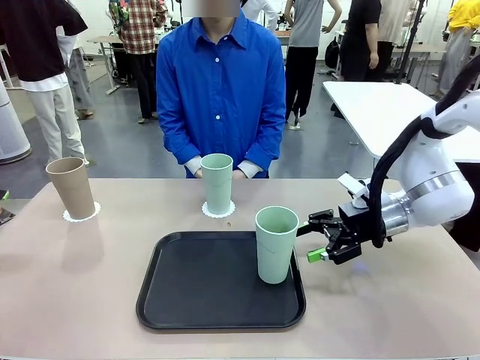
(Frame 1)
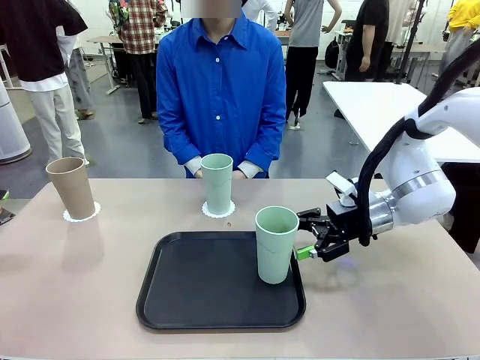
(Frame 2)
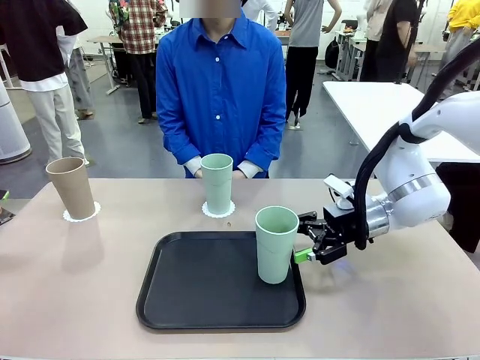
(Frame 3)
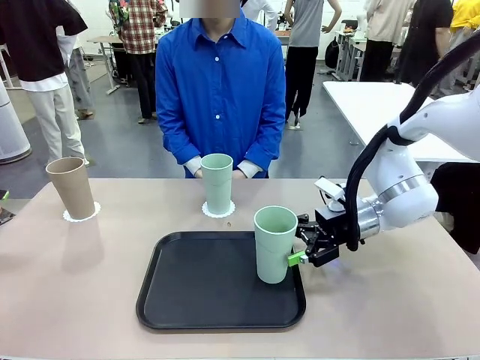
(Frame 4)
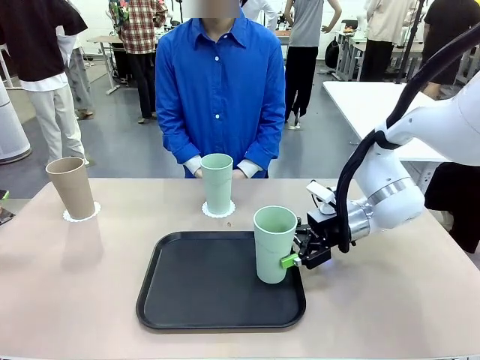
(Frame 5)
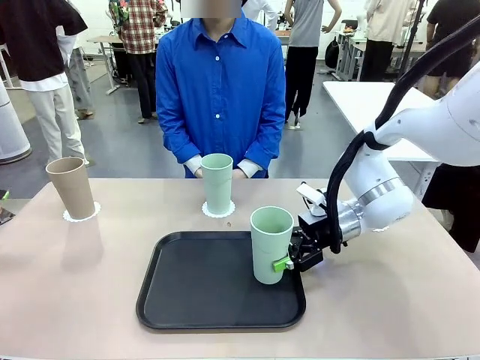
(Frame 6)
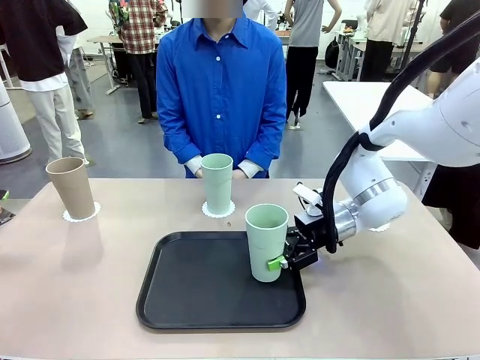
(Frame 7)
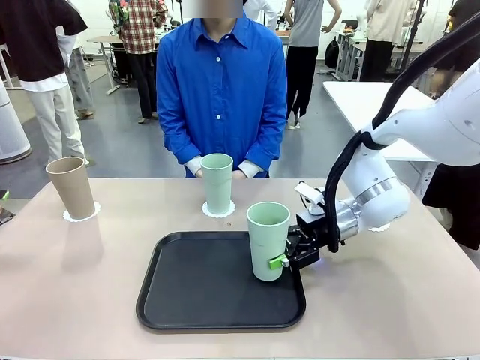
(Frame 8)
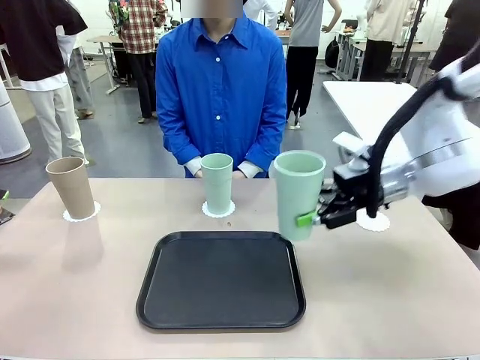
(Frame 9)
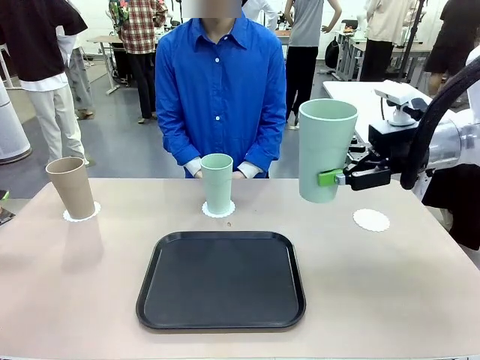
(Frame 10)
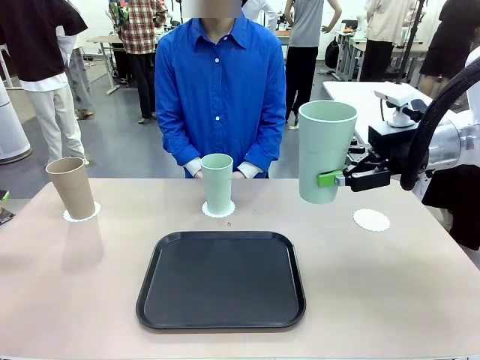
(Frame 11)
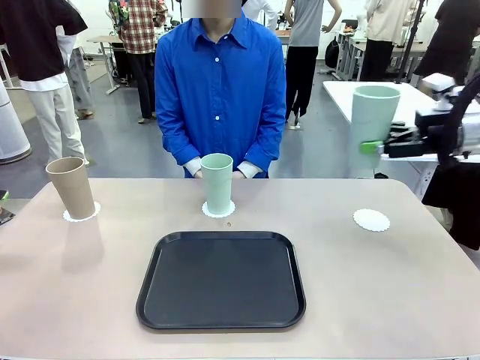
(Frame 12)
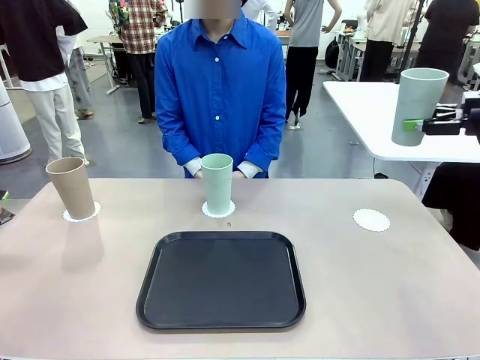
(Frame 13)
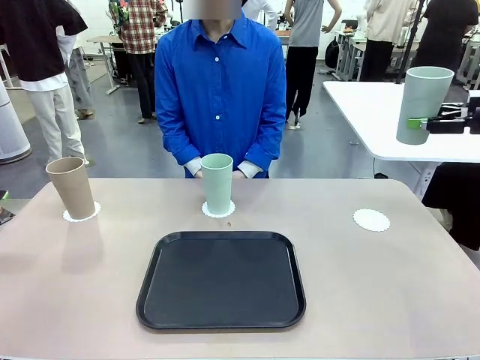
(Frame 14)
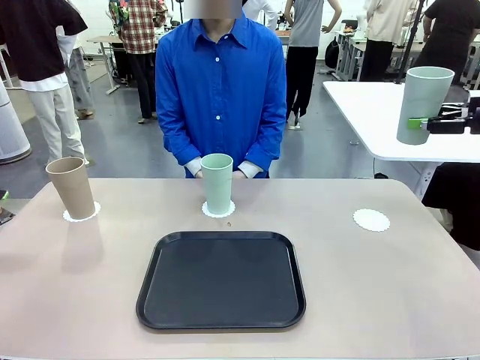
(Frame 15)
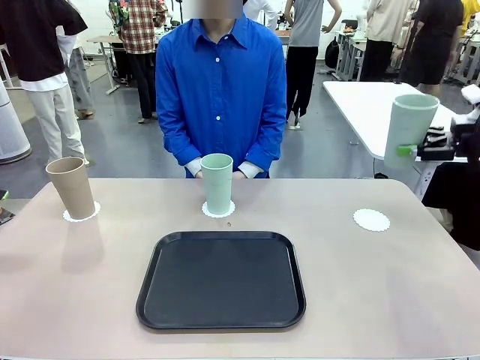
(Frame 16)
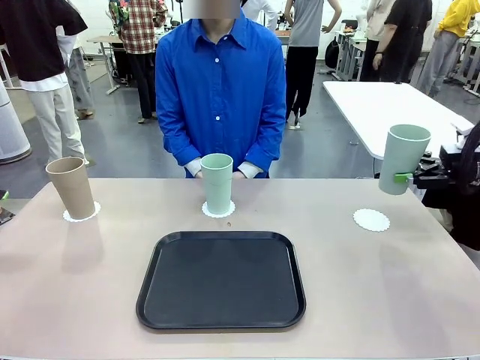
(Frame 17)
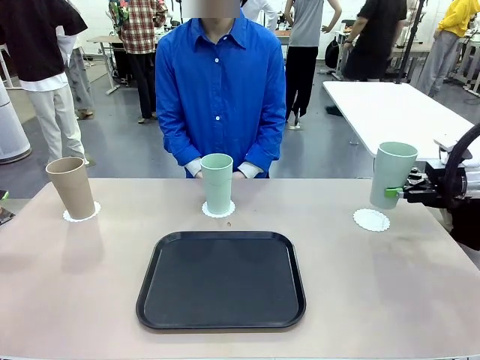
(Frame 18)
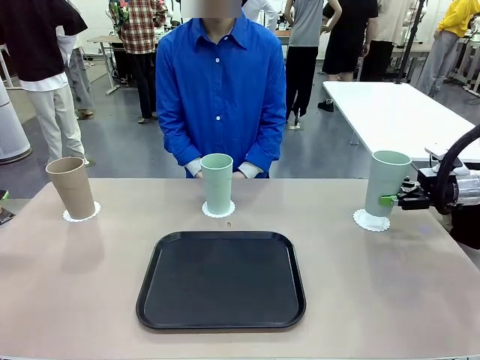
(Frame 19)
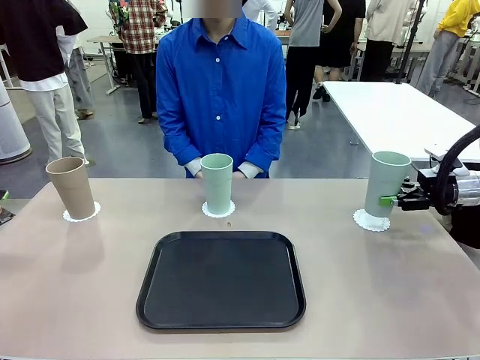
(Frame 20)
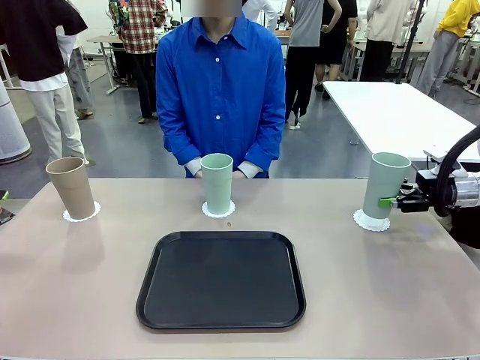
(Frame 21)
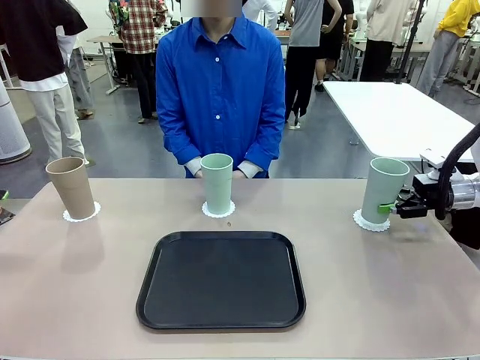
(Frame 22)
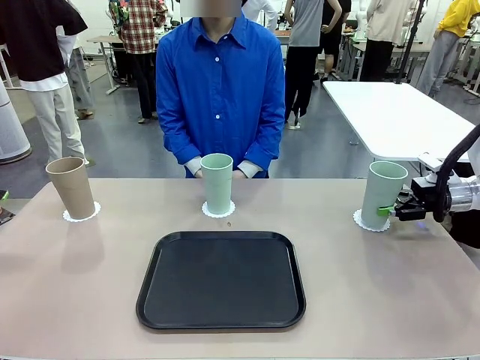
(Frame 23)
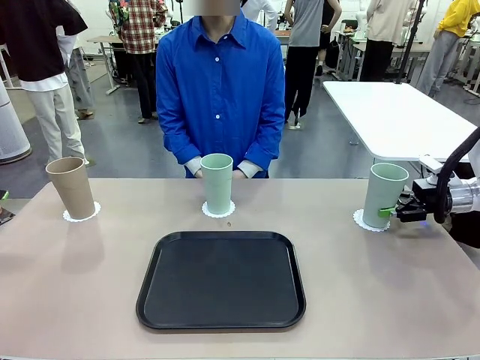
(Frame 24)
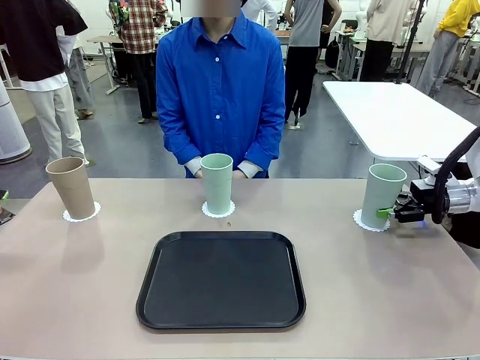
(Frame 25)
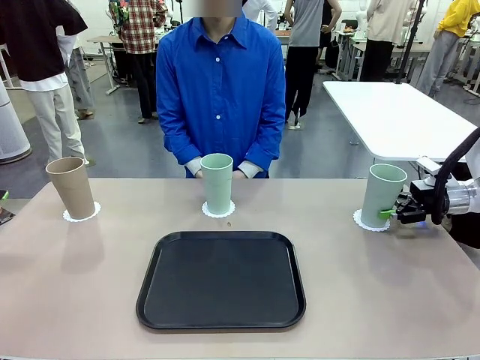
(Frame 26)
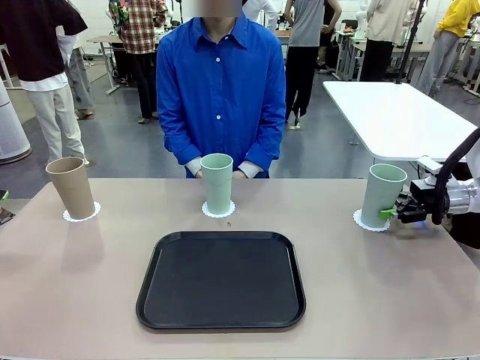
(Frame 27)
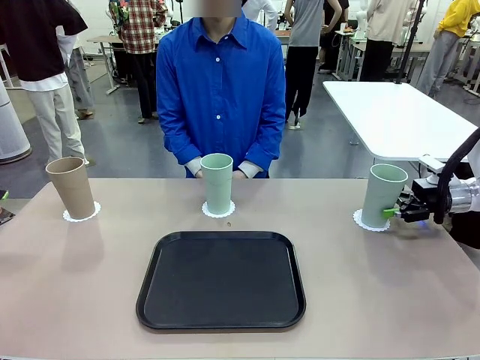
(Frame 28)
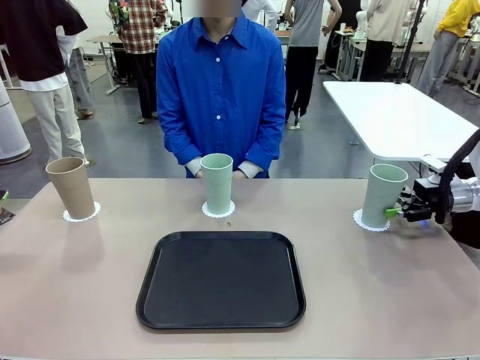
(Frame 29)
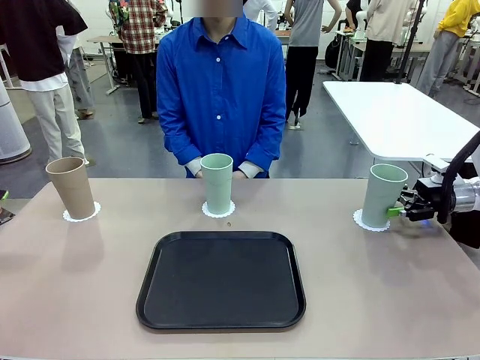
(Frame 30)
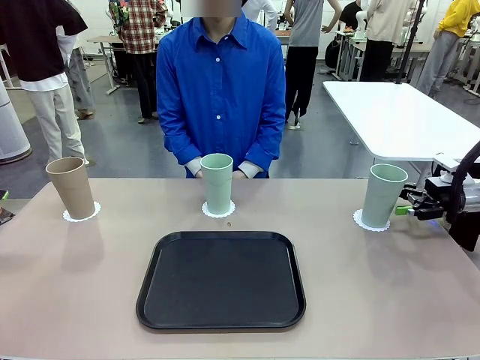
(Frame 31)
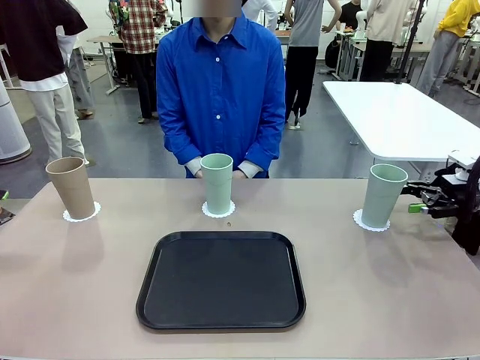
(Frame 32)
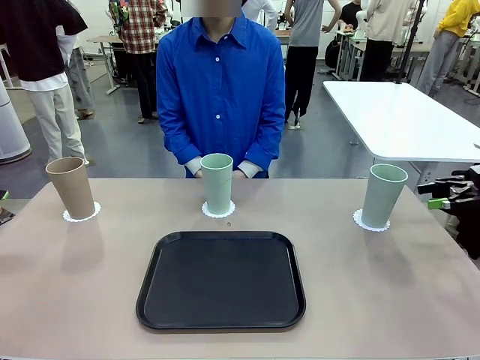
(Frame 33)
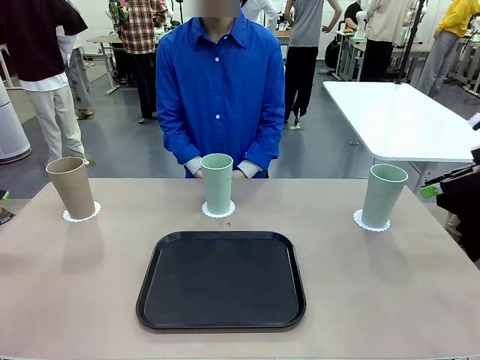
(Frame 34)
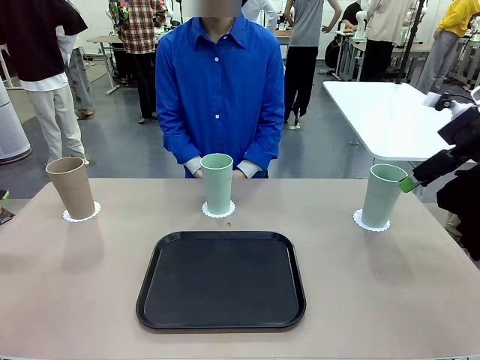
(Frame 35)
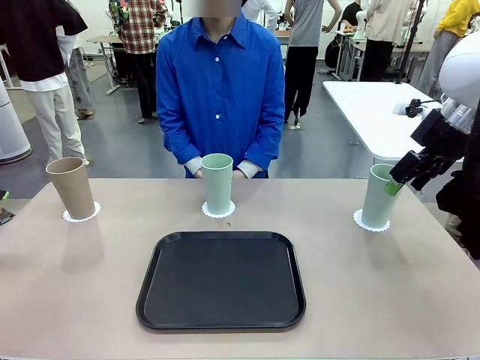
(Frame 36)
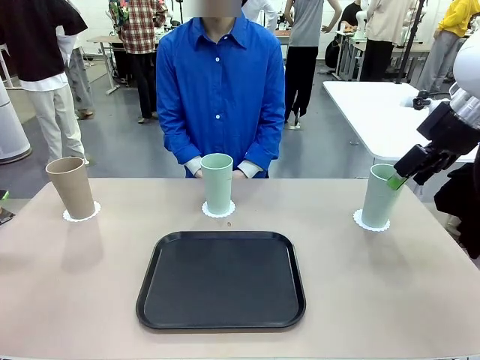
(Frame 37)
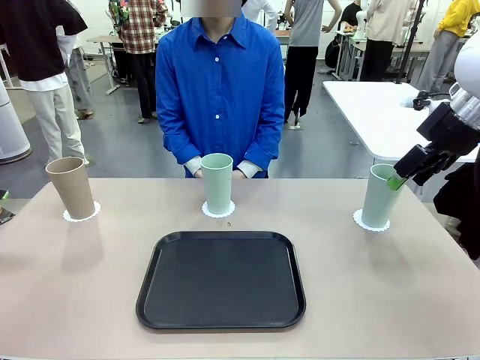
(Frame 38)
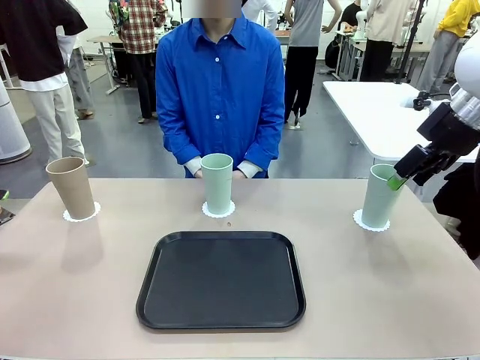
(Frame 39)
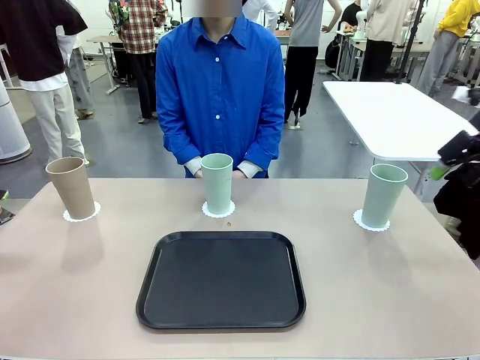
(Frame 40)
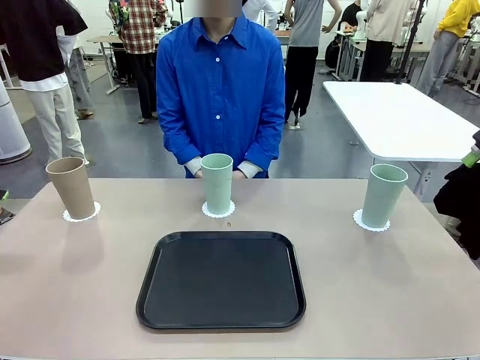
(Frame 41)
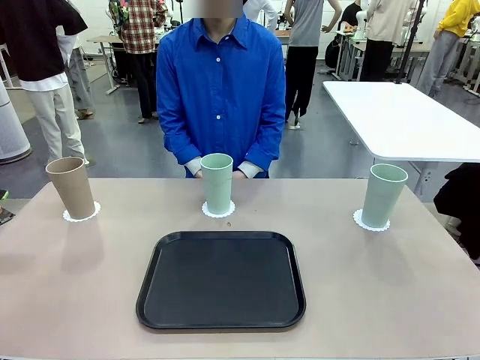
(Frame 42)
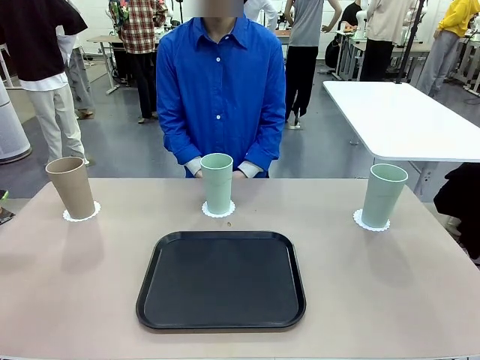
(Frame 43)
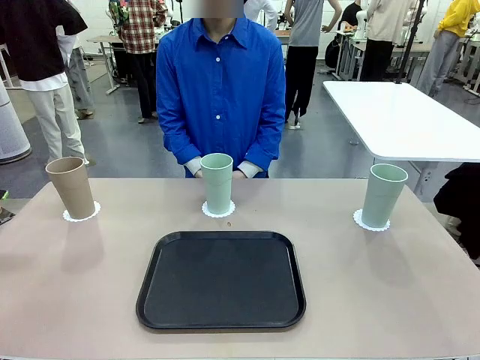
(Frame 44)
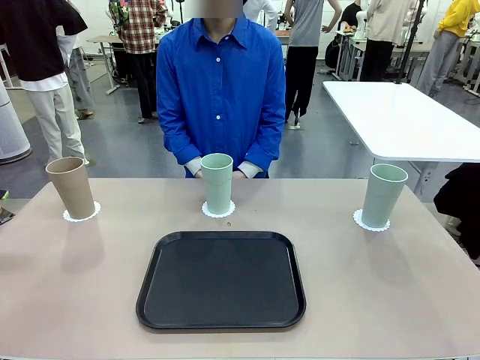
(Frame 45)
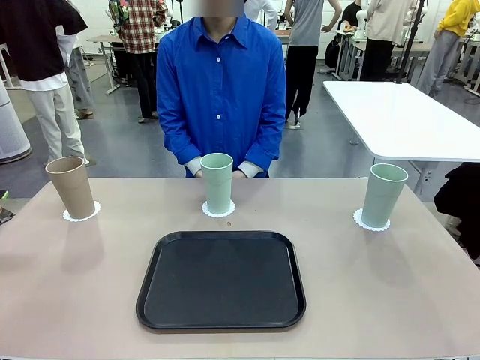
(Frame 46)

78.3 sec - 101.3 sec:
Task: Place coasters on the table and set cups on them.
Robot: Take one Reusable plastic cup from the Flat Tray and place it on a coaster set by the human.
